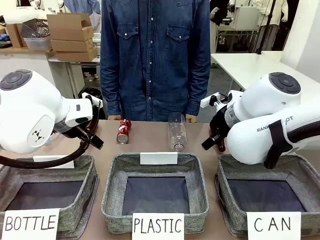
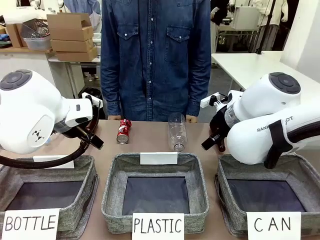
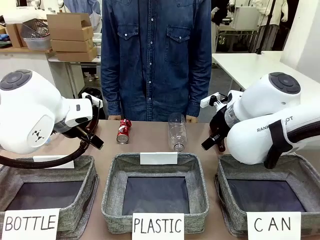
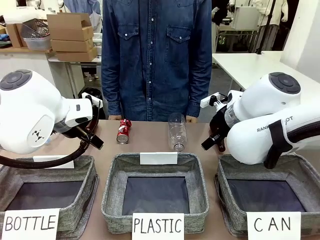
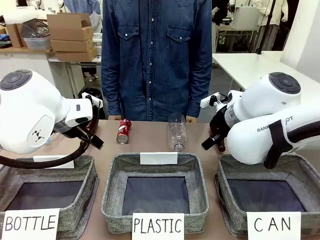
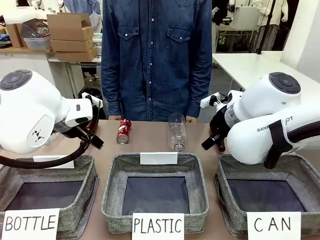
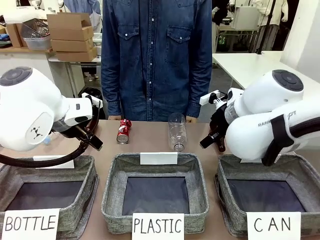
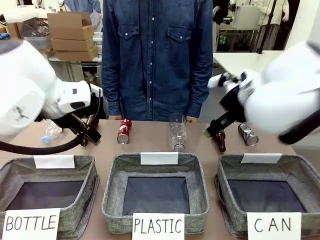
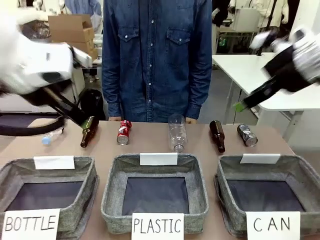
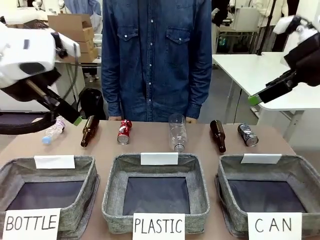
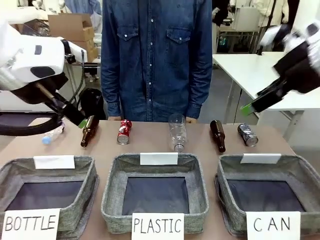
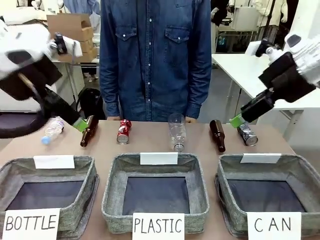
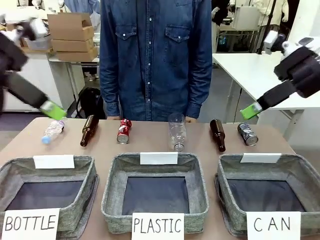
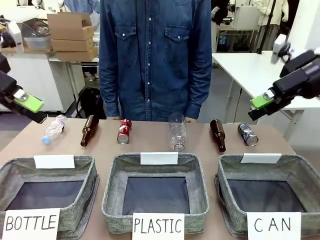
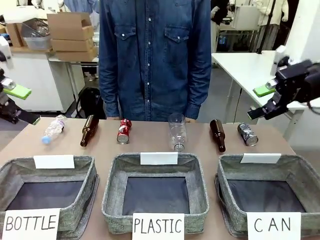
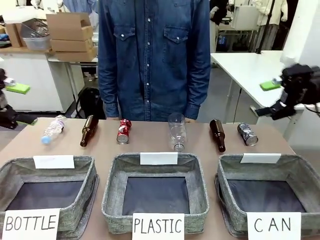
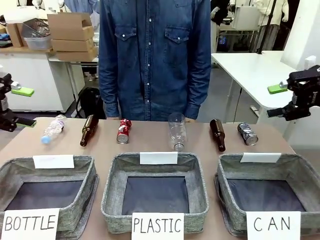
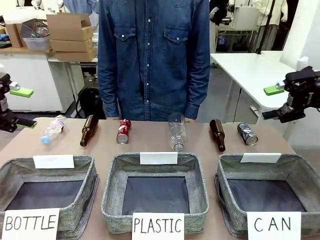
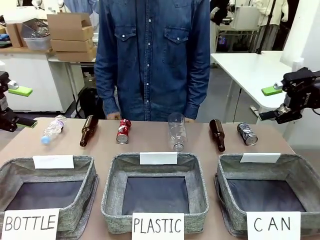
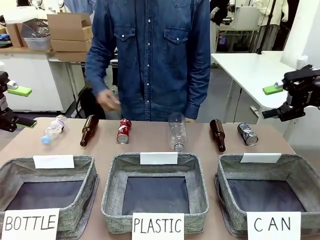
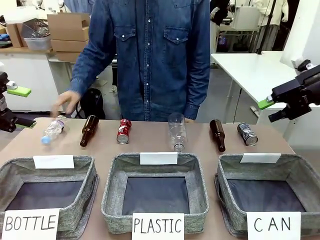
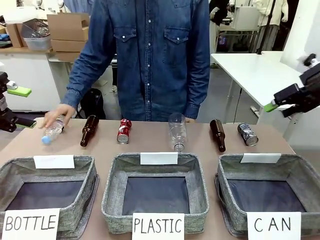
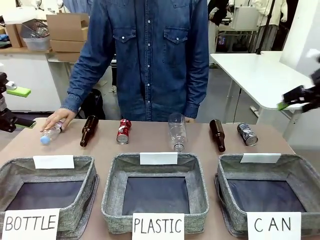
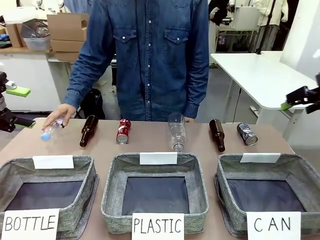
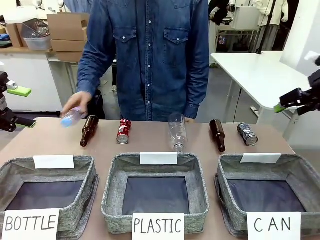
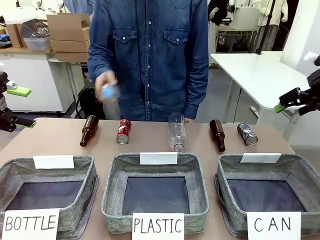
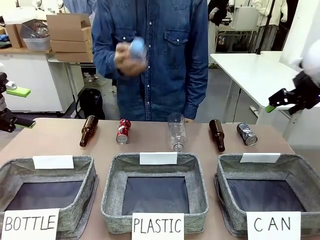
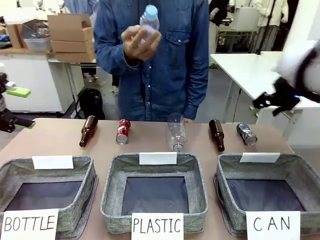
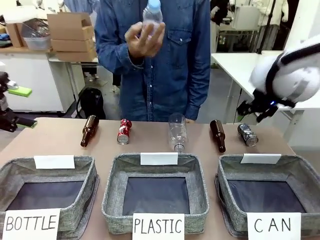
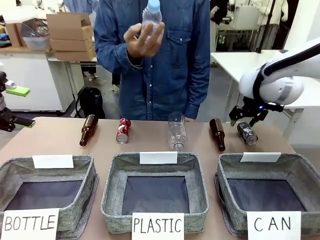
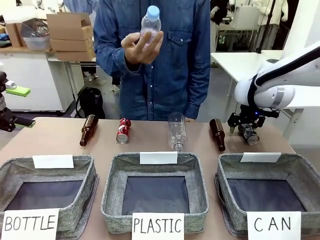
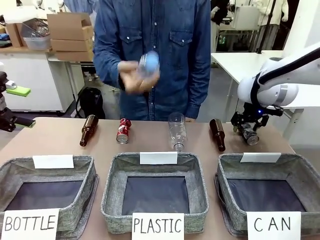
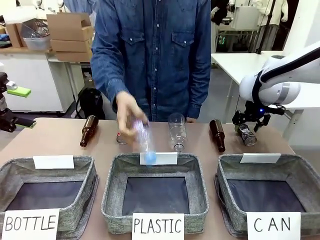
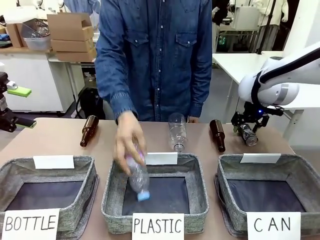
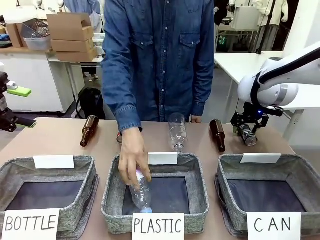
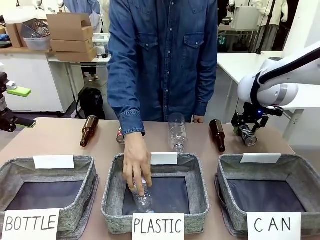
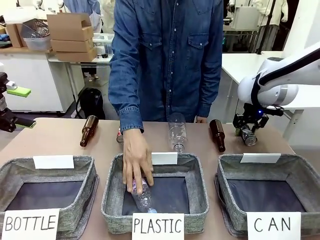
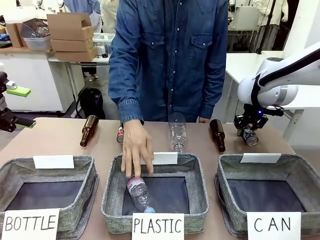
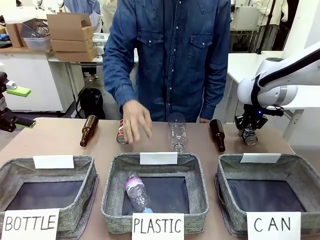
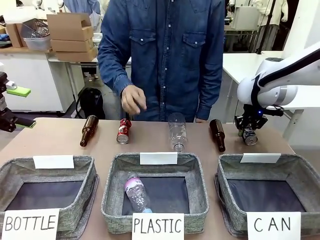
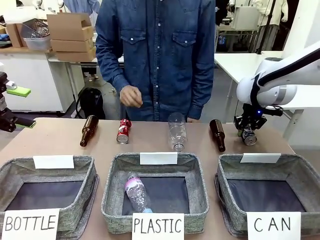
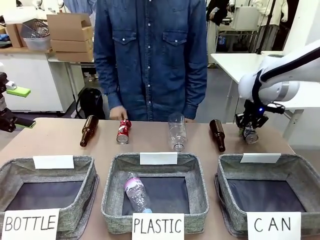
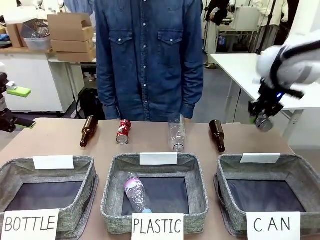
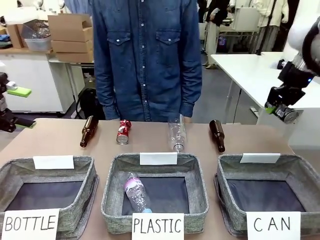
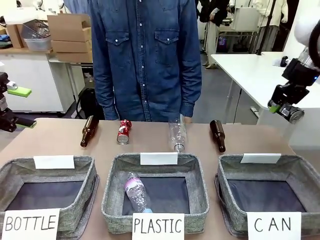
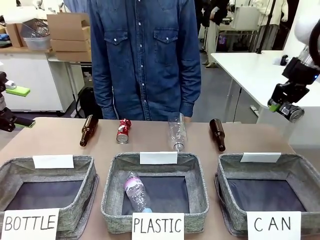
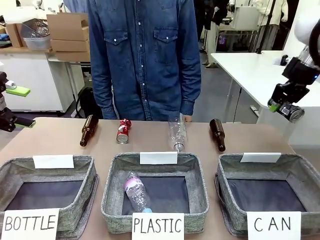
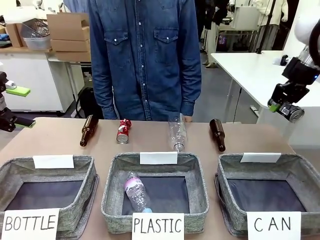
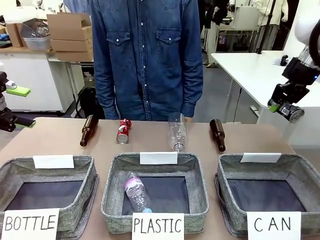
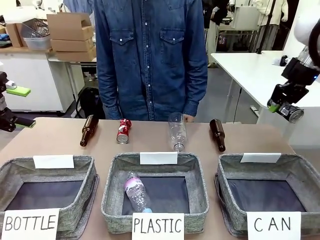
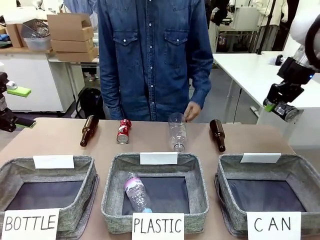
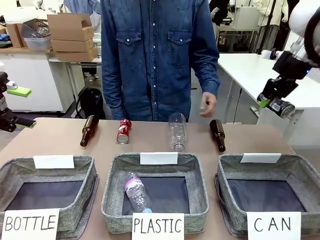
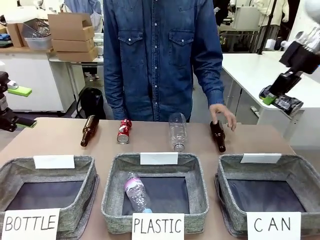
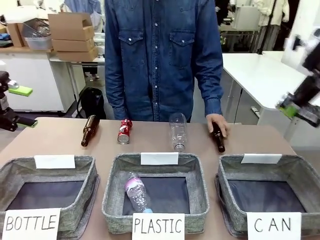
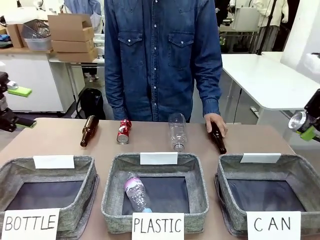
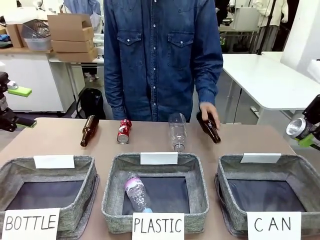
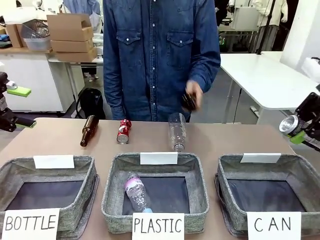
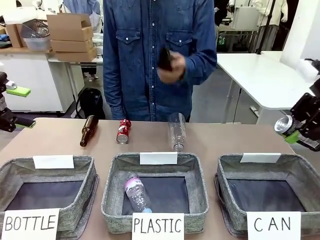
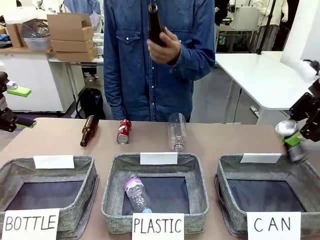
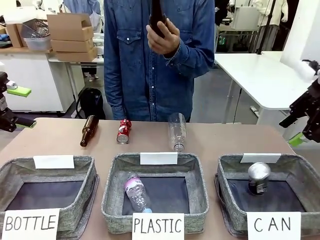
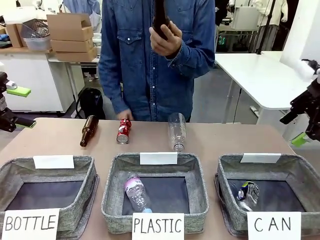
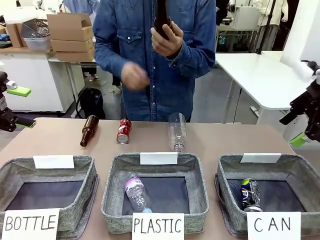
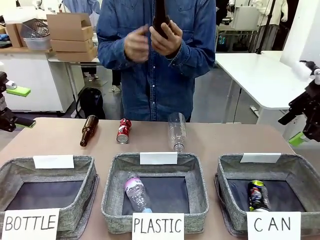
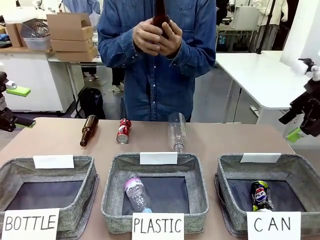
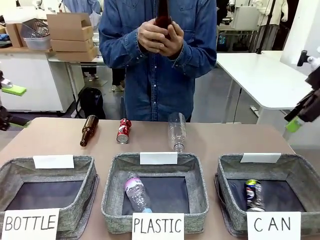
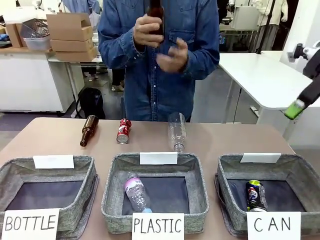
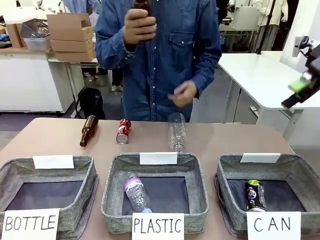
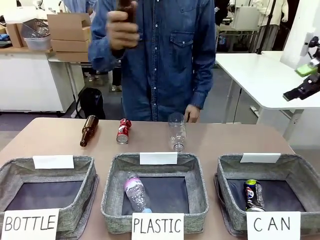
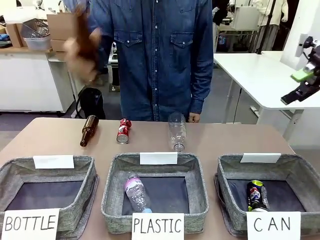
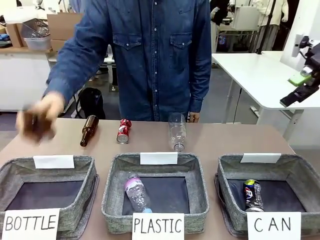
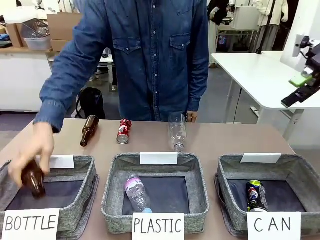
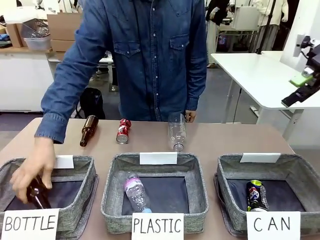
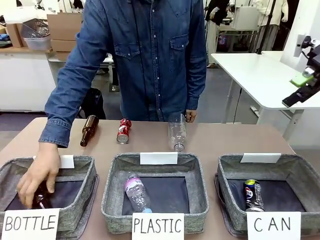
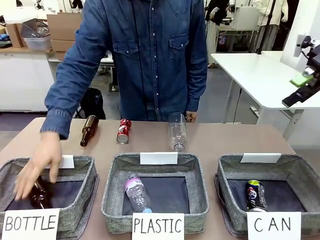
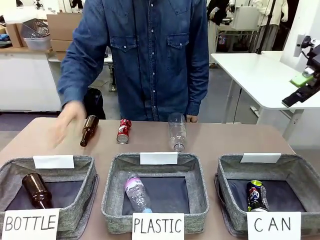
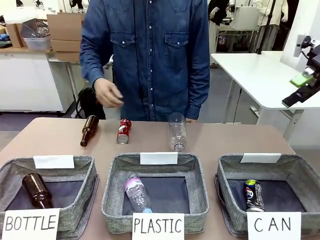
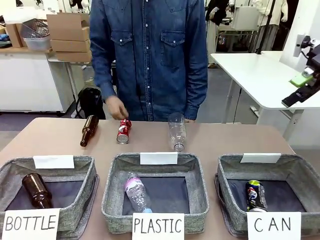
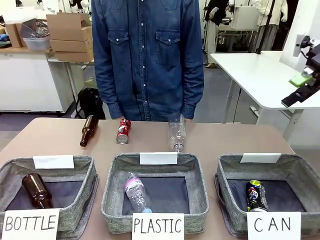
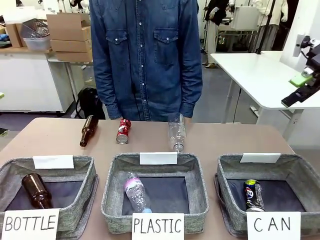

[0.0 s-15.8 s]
Task: Sort the can waste into the basket.
Robot: Pick up the can waste from the table and place it in the right Fabric basket.
